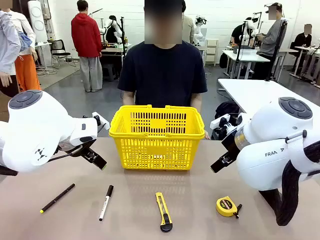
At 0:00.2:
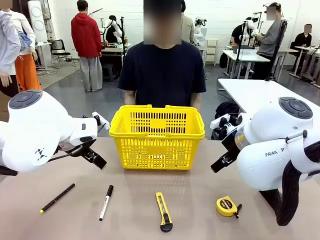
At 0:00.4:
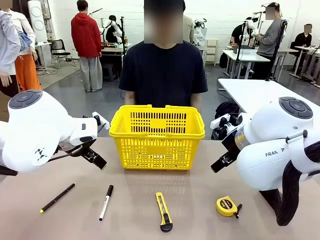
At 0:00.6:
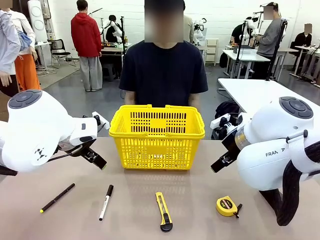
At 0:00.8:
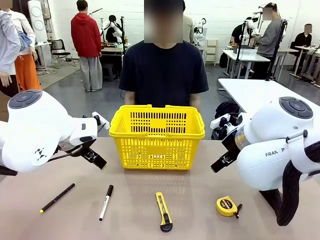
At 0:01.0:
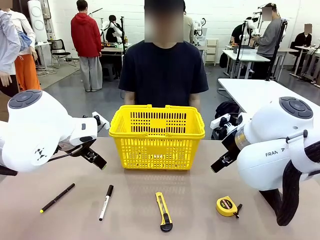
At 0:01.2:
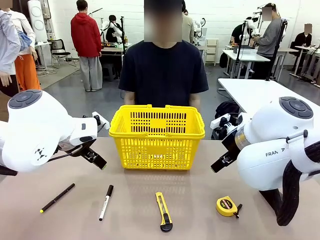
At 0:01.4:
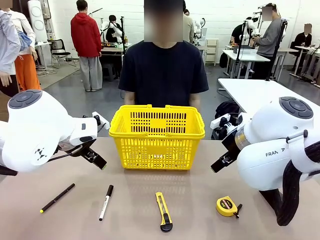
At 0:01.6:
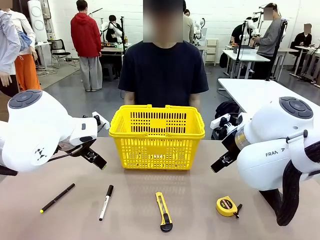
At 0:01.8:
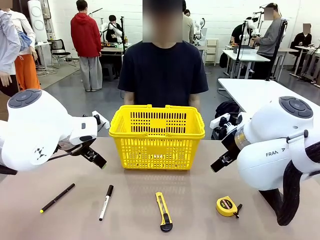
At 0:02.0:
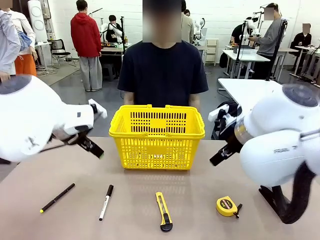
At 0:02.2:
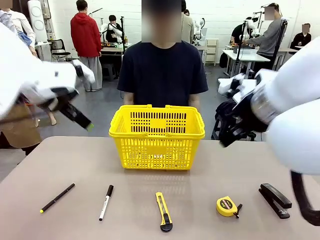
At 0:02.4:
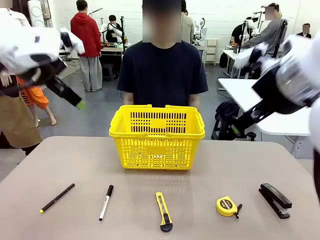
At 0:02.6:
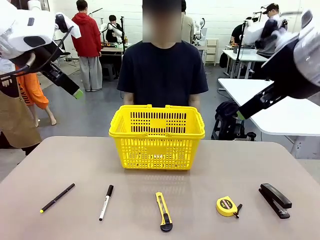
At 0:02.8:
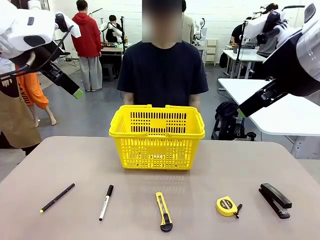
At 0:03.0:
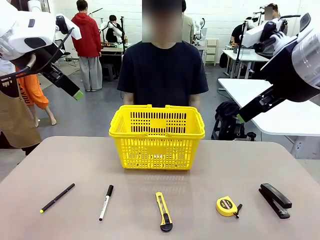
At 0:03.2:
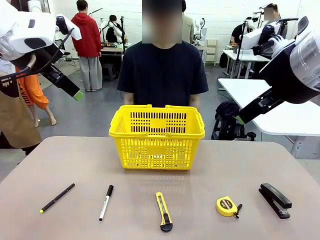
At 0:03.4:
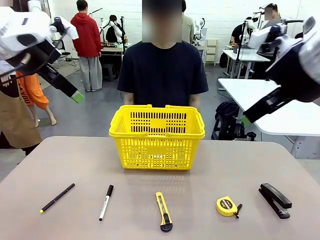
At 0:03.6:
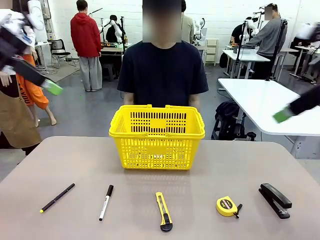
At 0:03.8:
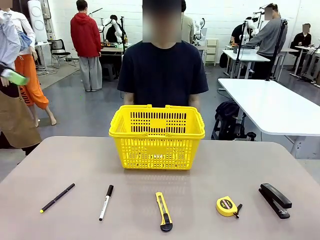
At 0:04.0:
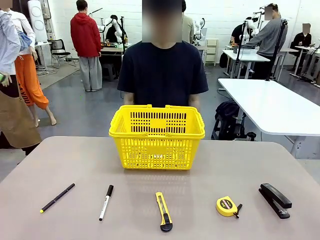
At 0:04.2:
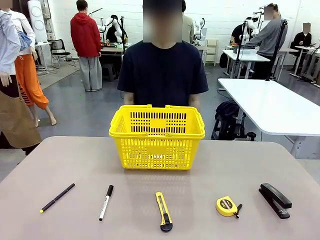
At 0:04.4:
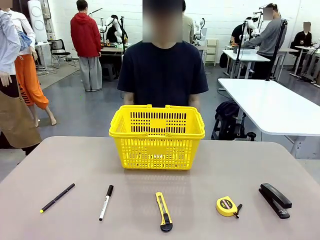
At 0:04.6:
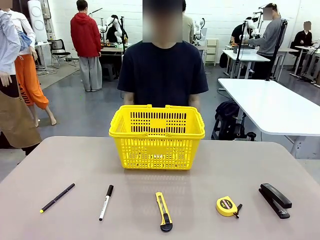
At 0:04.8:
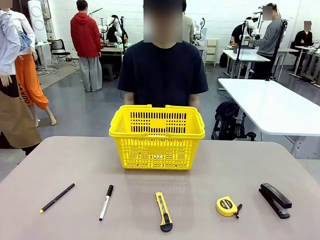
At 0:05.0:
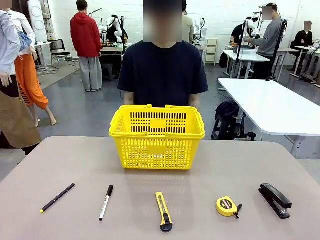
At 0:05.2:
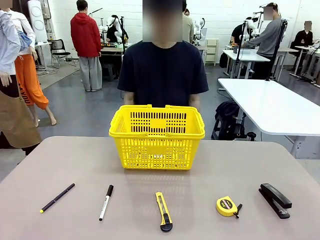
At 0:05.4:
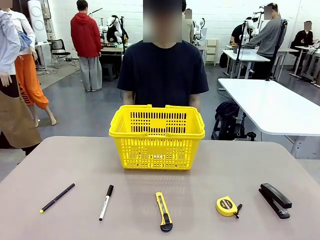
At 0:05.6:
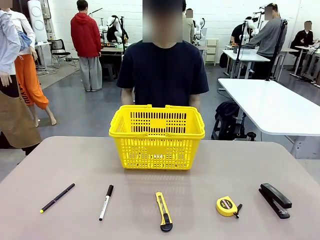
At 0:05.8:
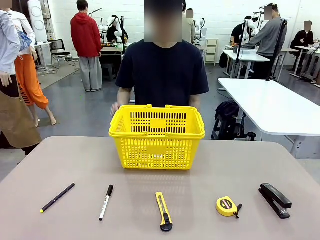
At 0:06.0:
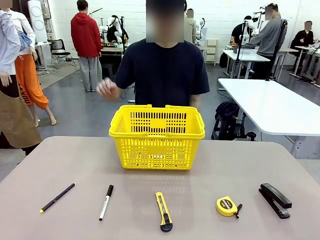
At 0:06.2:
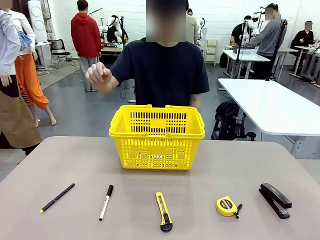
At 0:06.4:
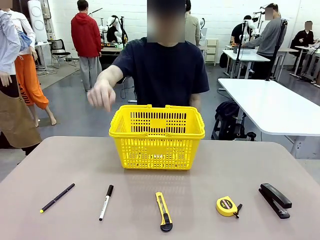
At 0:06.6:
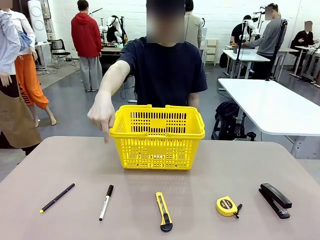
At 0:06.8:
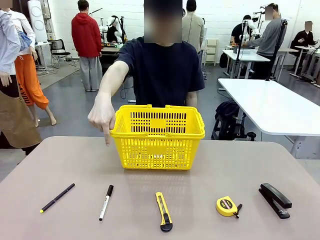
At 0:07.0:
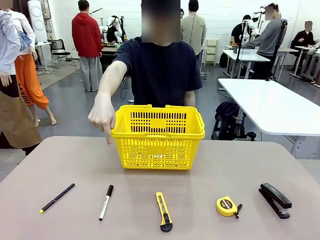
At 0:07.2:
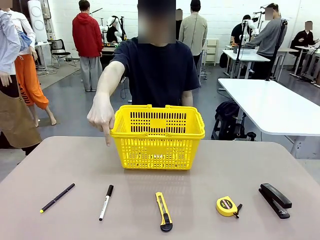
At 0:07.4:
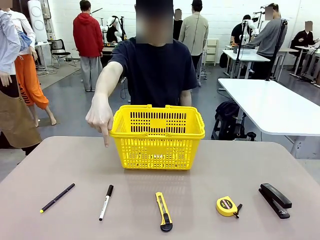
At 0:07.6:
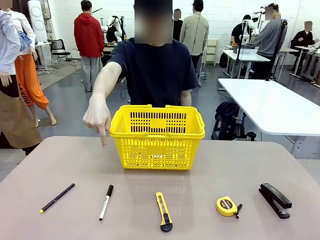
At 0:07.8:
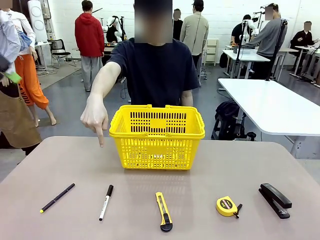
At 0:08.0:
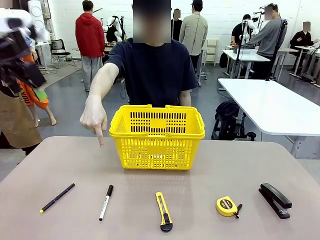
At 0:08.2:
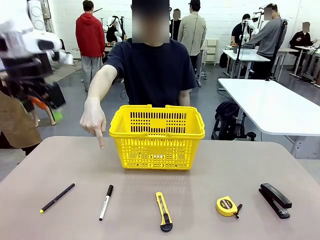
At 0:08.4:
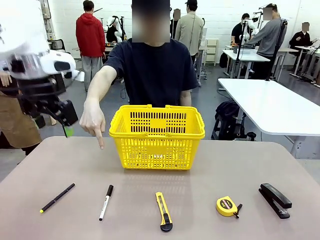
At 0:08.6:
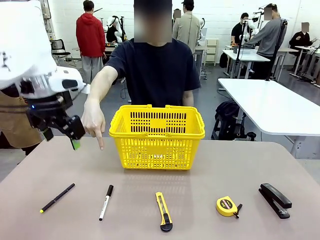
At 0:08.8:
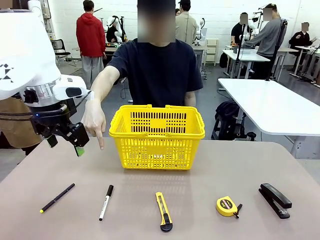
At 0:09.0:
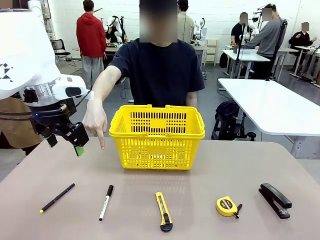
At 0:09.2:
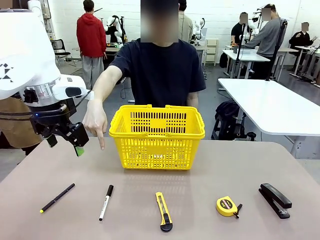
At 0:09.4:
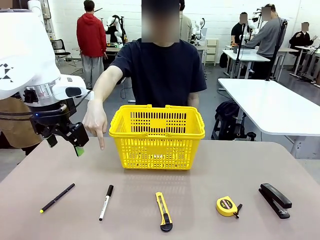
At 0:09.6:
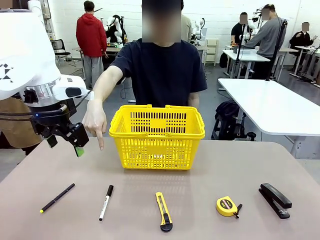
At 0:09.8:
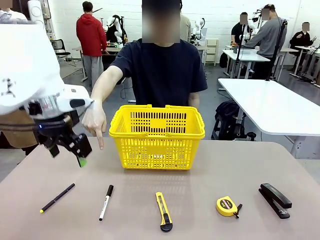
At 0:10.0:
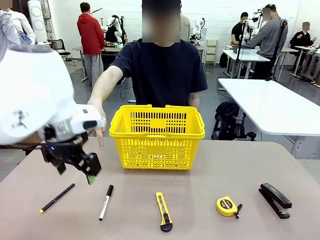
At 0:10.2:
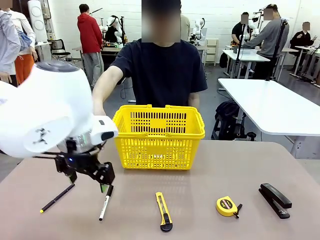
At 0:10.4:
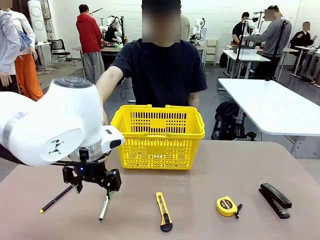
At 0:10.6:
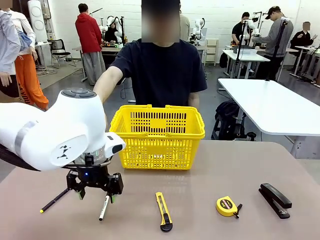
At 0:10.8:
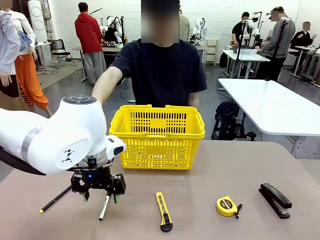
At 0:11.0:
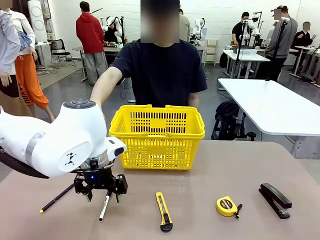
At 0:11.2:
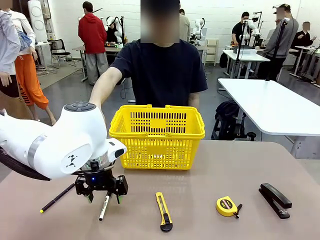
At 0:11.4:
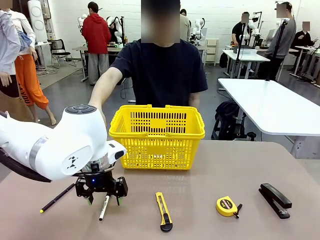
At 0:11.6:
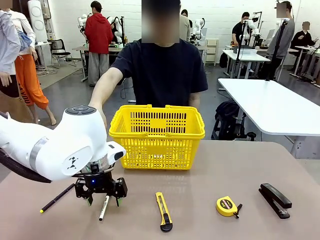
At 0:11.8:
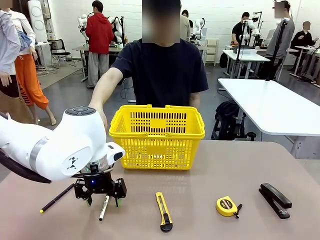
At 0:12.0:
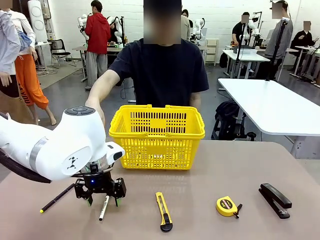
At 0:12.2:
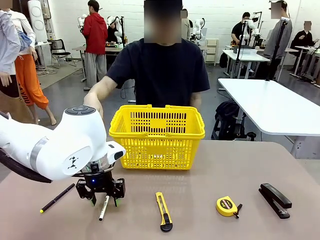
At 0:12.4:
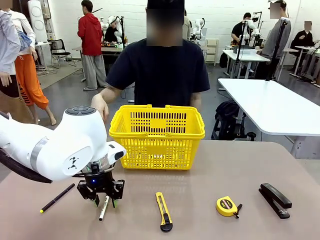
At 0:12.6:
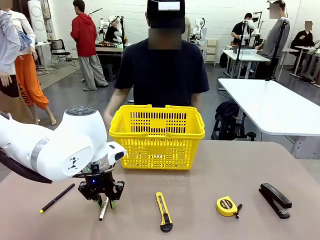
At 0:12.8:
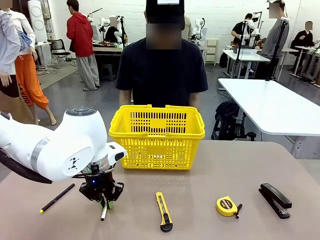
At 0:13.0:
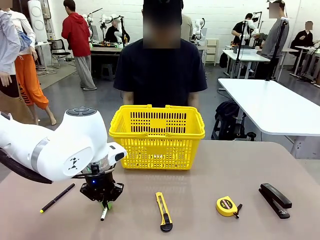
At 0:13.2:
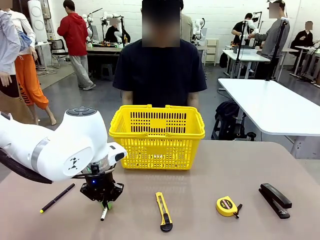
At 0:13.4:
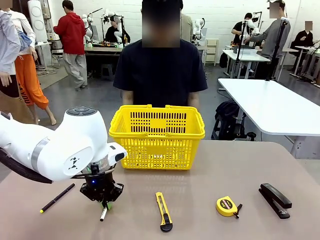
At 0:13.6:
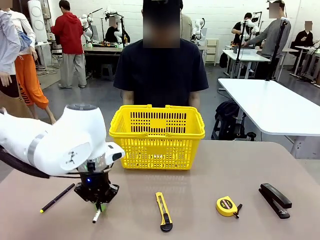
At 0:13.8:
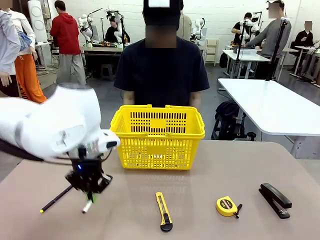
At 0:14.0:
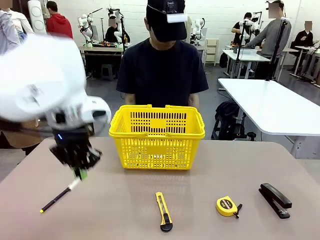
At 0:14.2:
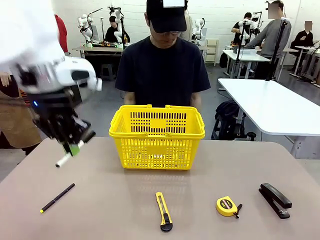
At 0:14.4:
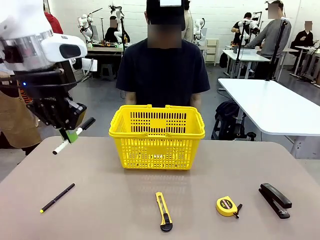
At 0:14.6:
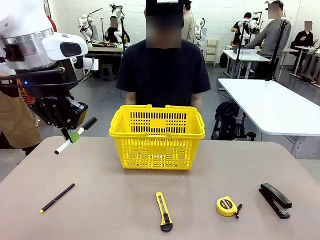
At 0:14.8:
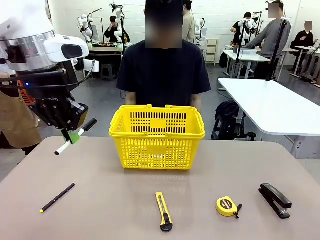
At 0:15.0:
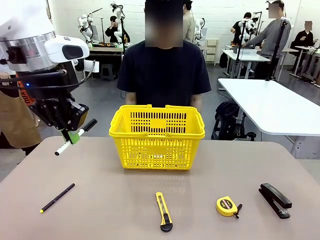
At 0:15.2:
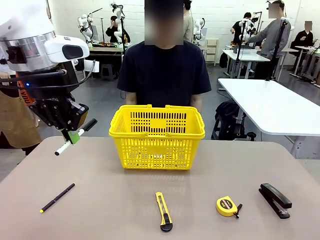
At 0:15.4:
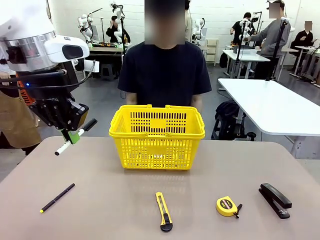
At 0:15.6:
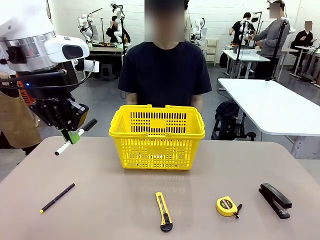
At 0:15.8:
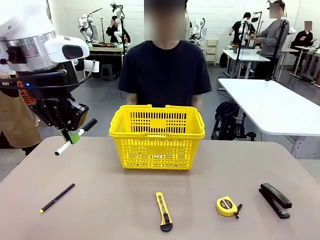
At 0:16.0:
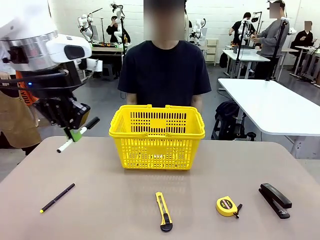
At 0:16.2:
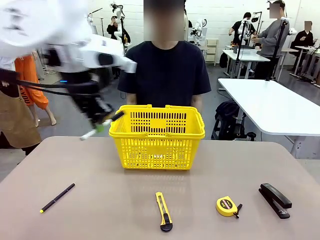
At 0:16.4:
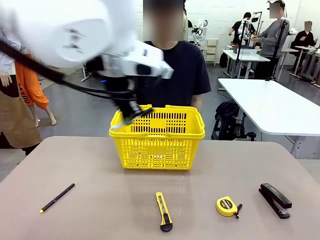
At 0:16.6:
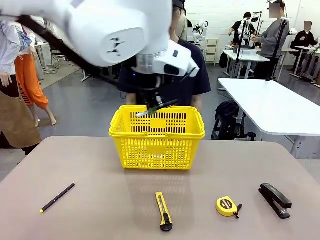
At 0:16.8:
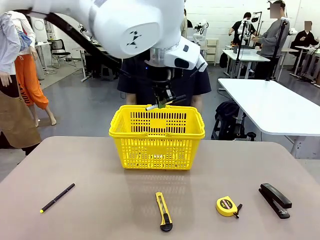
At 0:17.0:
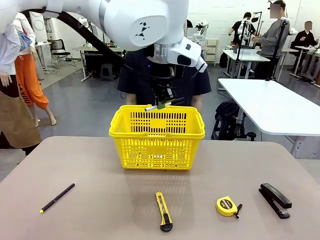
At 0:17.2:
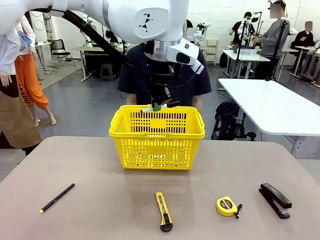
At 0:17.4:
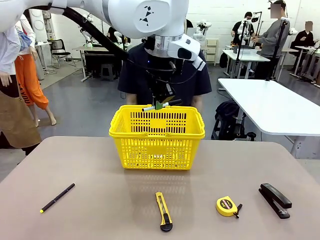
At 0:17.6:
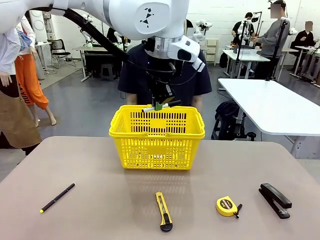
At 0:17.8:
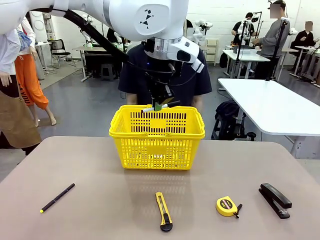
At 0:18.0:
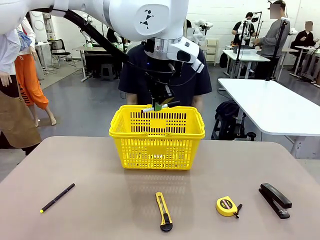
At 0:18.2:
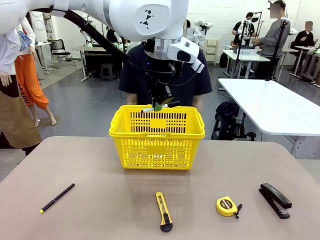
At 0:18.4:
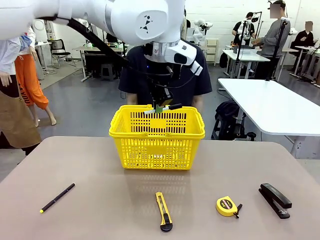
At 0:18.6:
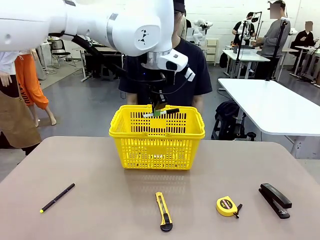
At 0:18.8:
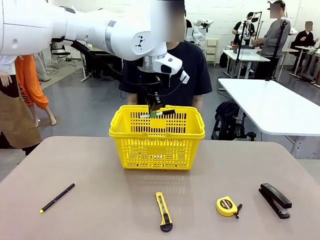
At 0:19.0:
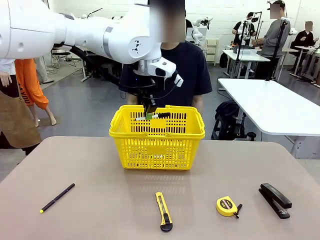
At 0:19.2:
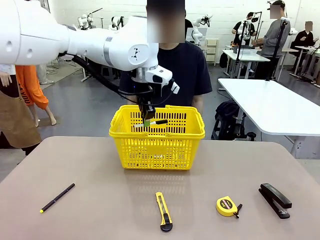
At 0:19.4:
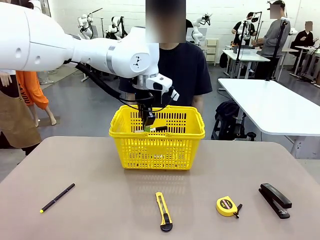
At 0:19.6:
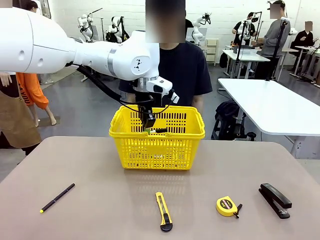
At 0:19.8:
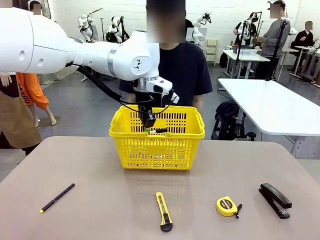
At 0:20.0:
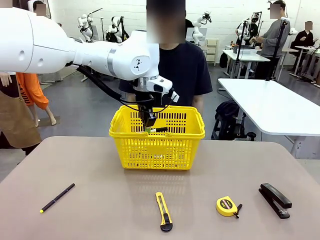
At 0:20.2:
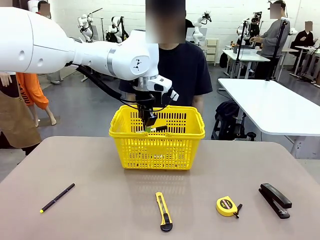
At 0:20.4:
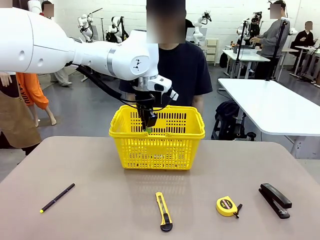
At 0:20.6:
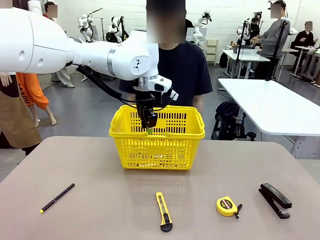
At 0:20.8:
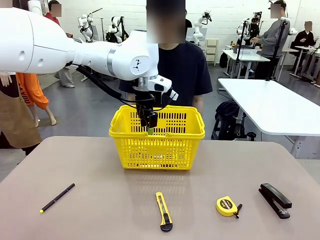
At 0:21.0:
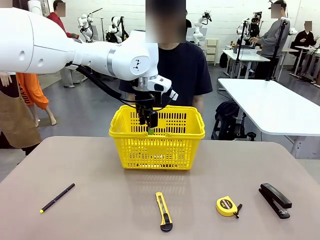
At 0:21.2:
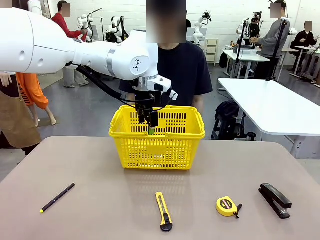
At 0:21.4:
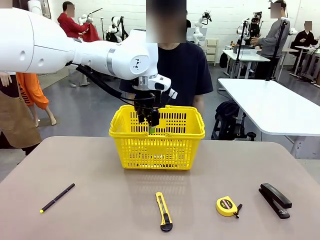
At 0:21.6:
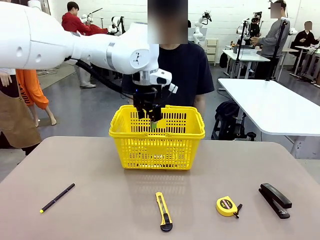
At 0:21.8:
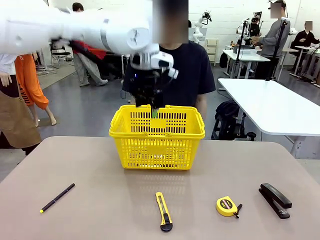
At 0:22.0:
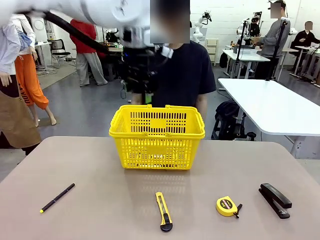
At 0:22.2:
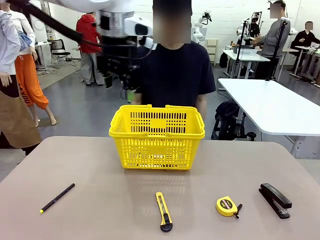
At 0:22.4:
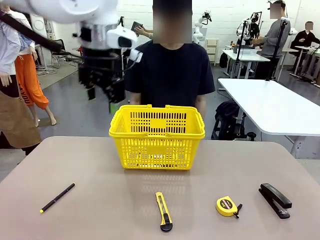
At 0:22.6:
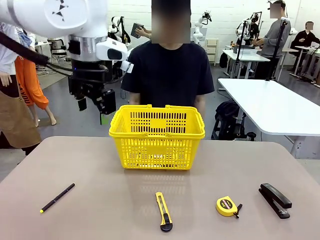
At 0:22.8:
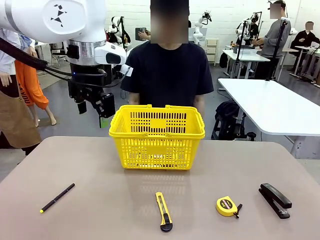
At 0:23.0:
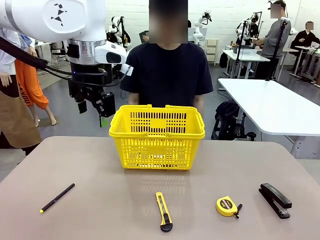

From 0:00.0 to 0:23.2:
Task: Place the items the person wants into the basket.
Robot: Pick up the item the person points to and place it in the Market Basket.
